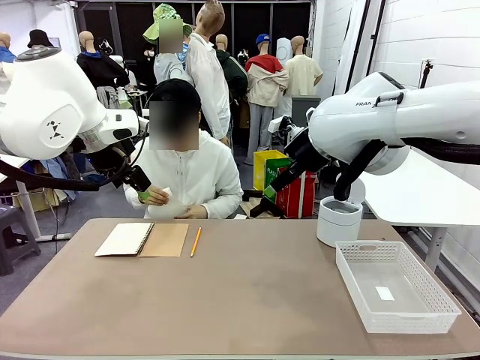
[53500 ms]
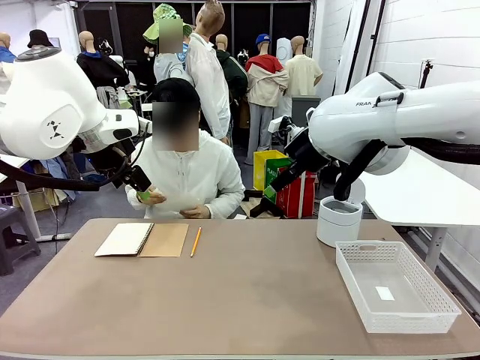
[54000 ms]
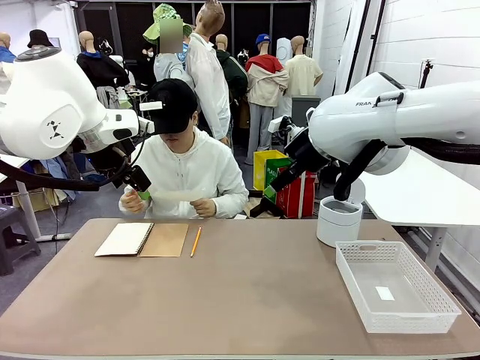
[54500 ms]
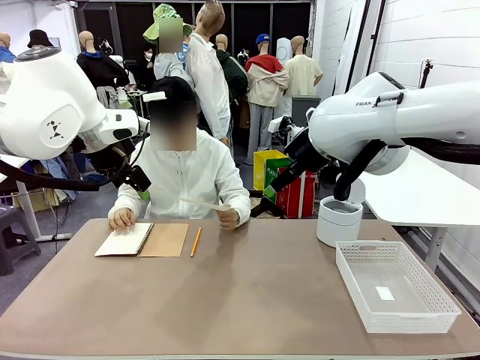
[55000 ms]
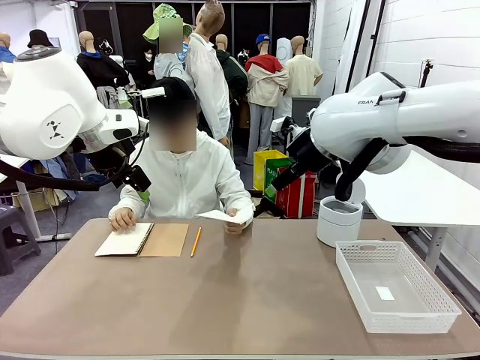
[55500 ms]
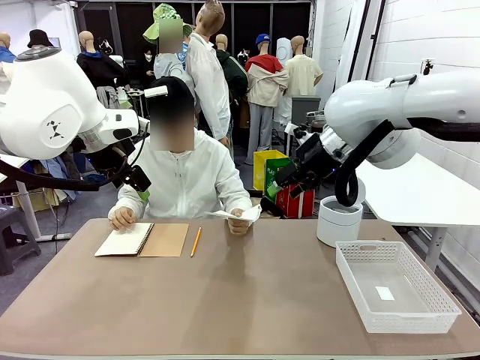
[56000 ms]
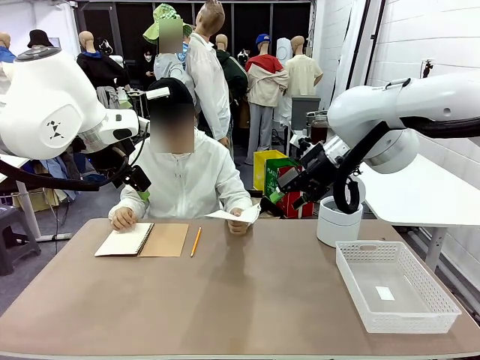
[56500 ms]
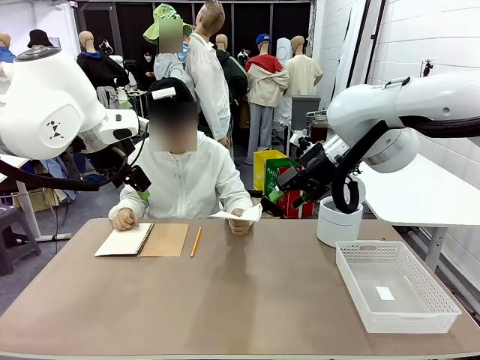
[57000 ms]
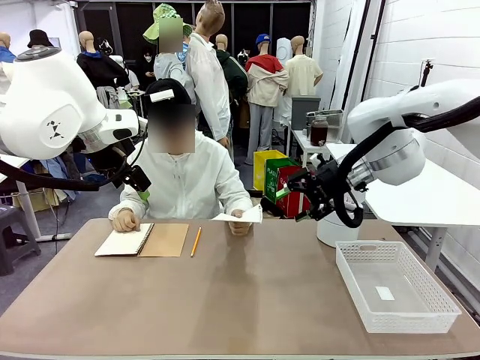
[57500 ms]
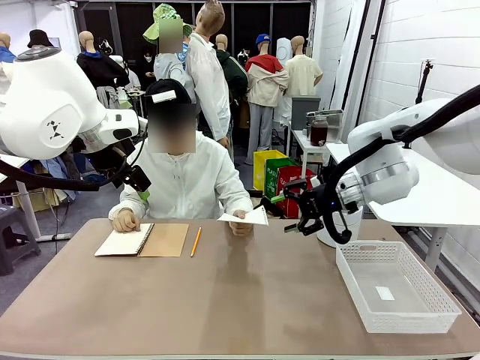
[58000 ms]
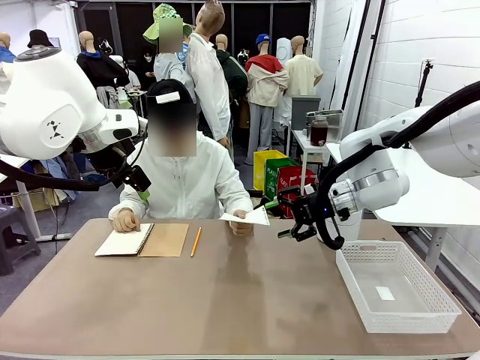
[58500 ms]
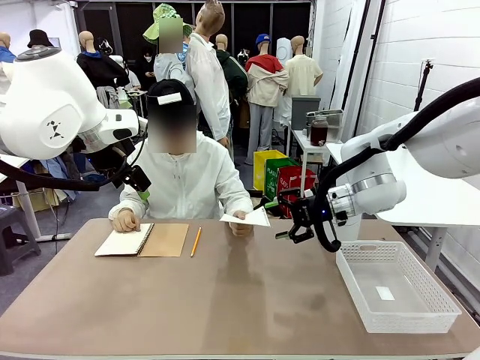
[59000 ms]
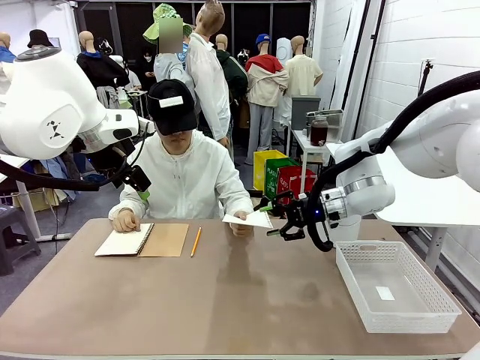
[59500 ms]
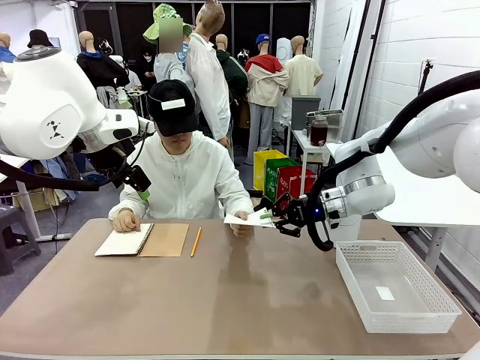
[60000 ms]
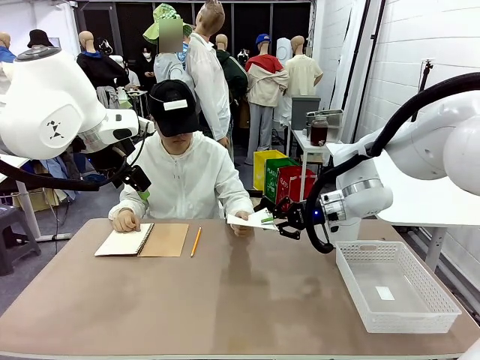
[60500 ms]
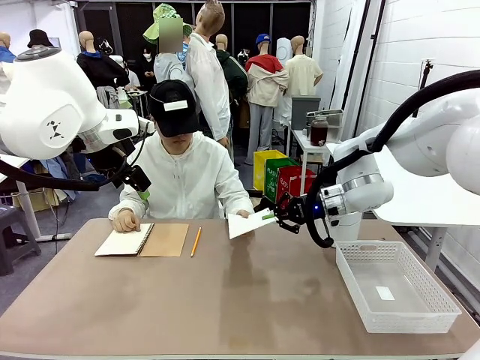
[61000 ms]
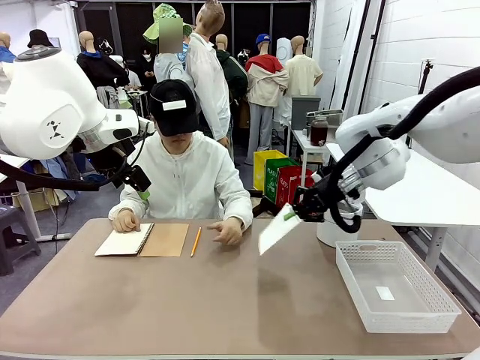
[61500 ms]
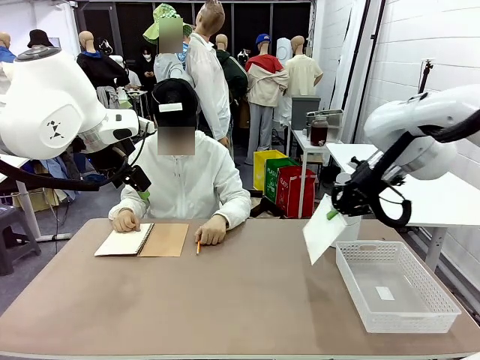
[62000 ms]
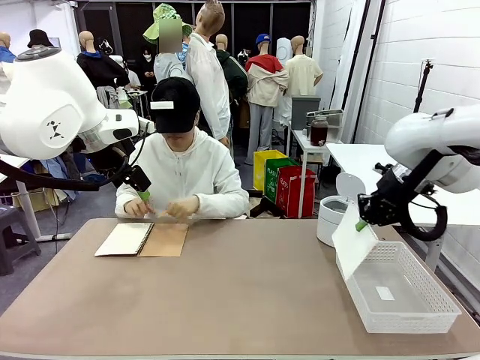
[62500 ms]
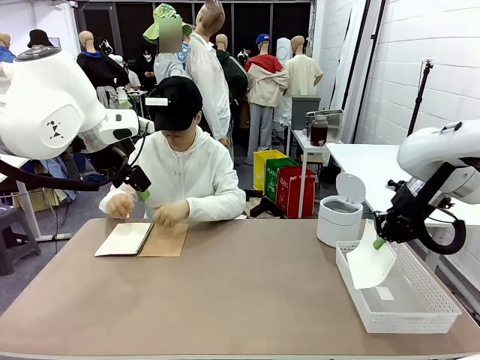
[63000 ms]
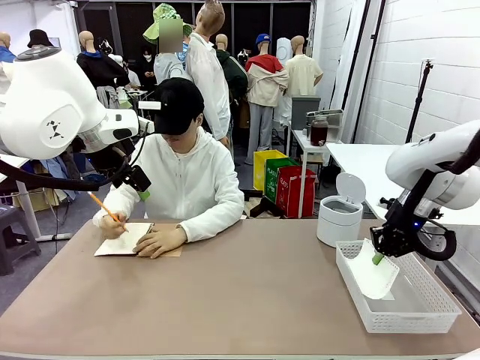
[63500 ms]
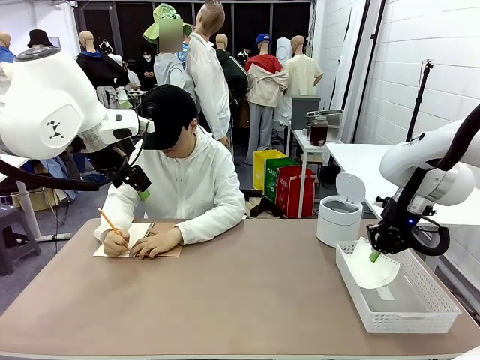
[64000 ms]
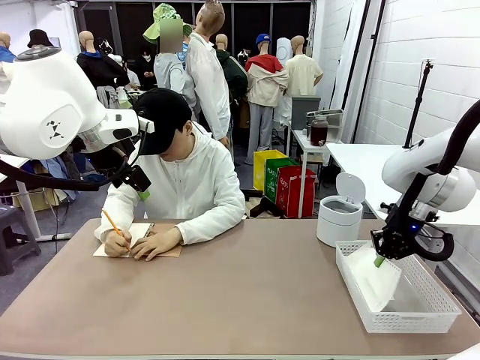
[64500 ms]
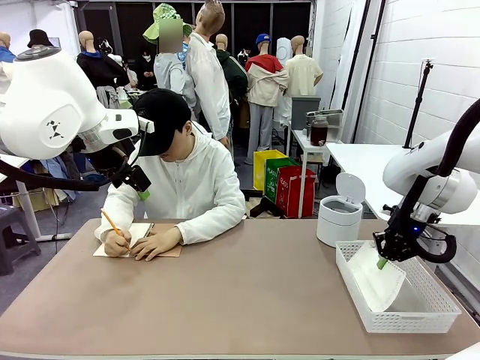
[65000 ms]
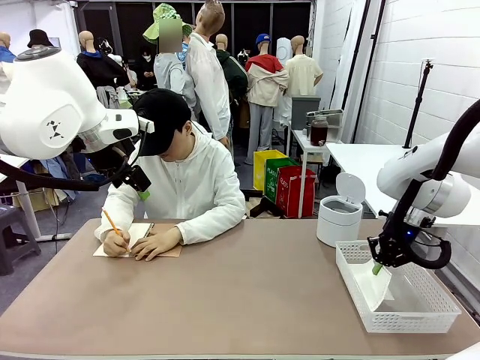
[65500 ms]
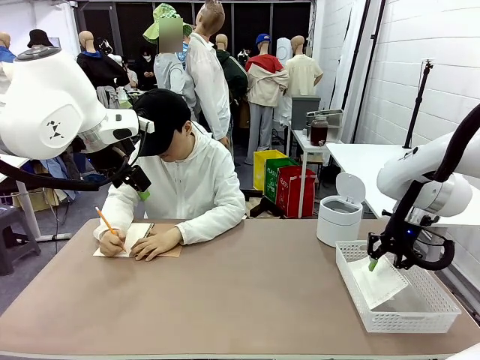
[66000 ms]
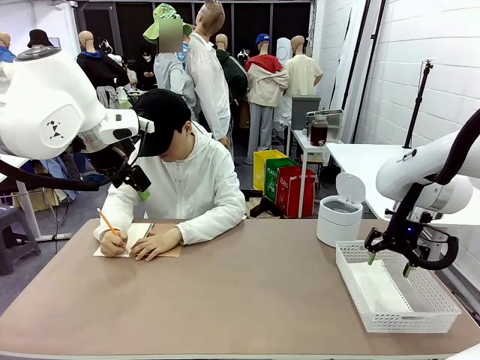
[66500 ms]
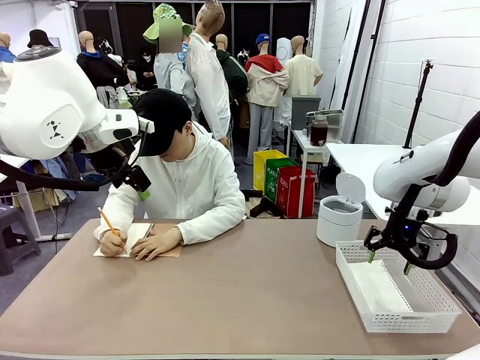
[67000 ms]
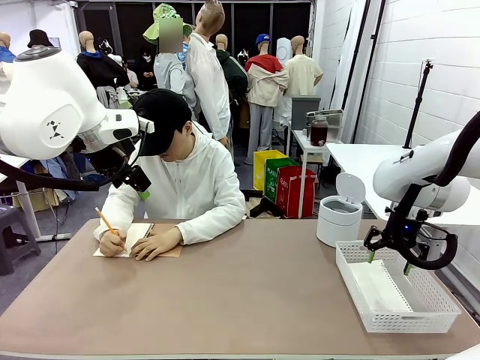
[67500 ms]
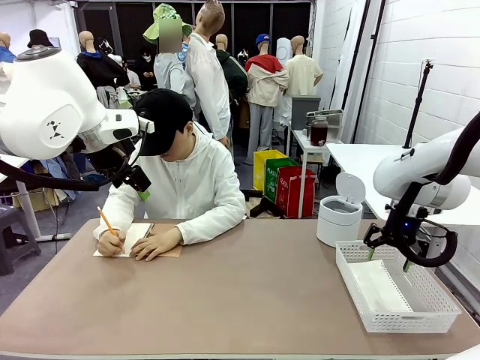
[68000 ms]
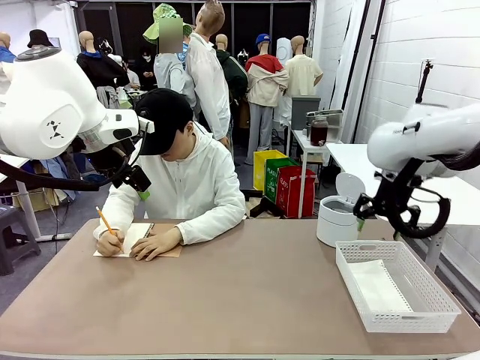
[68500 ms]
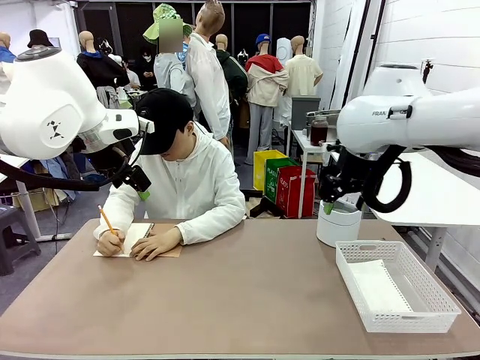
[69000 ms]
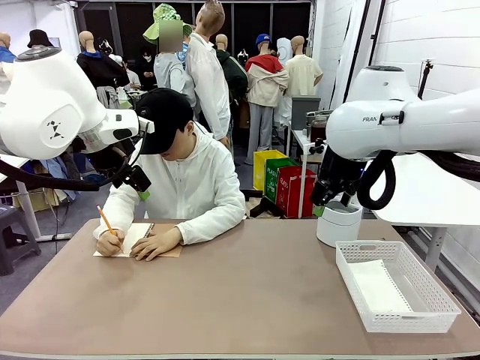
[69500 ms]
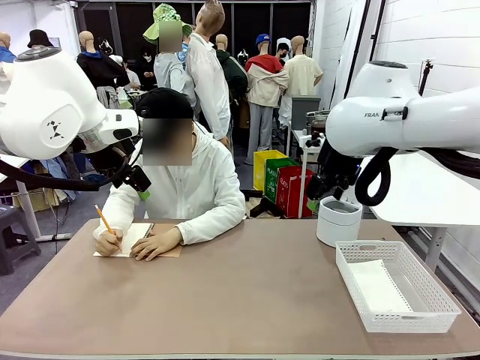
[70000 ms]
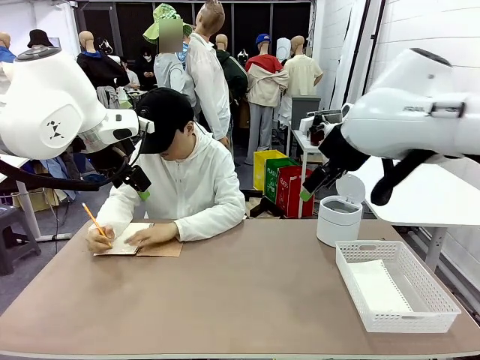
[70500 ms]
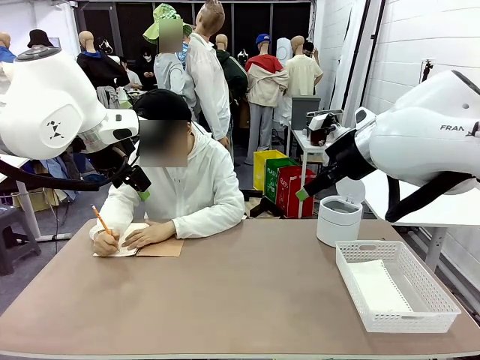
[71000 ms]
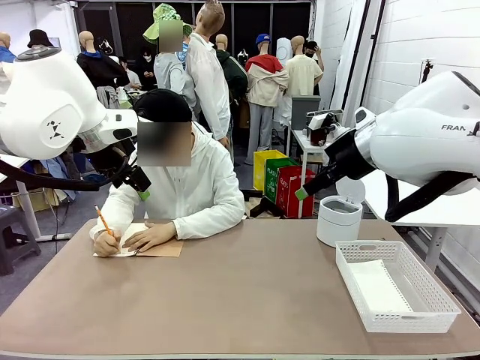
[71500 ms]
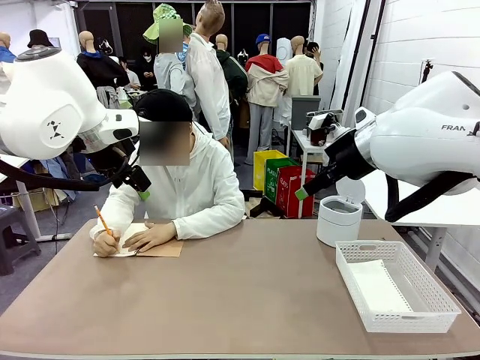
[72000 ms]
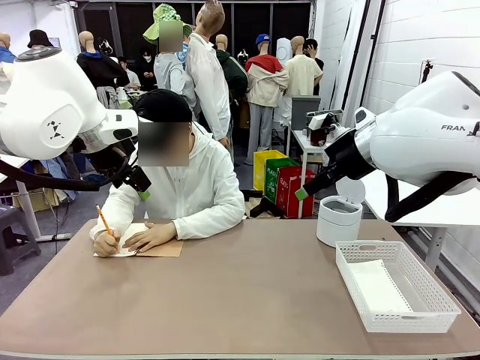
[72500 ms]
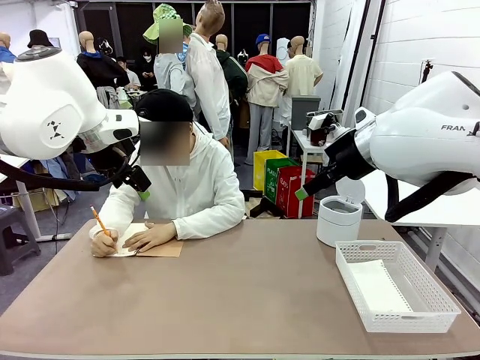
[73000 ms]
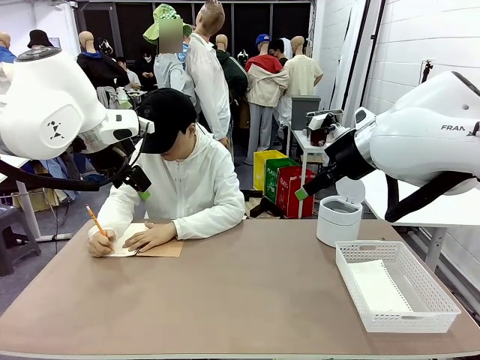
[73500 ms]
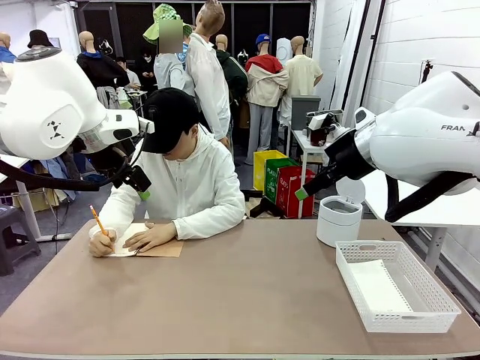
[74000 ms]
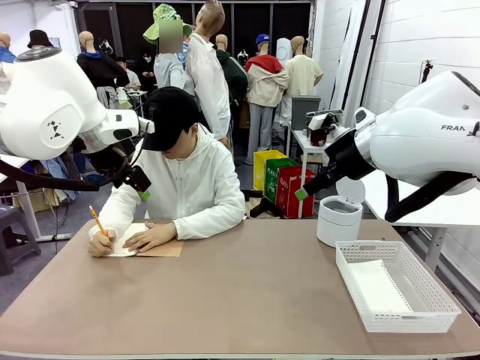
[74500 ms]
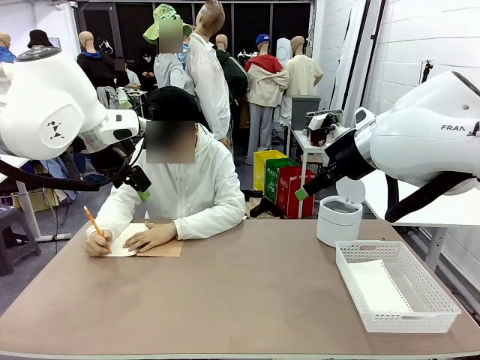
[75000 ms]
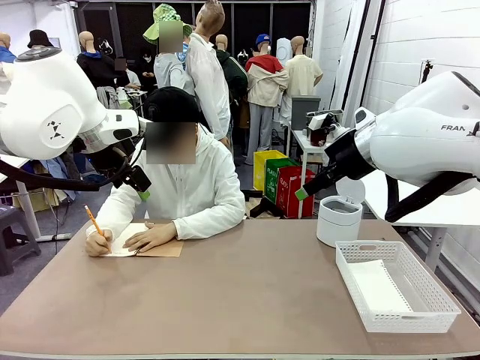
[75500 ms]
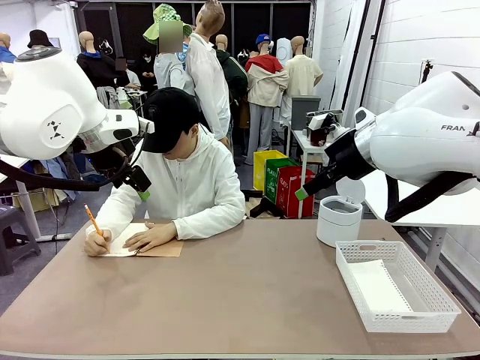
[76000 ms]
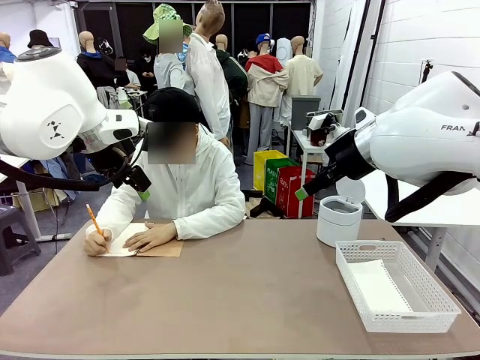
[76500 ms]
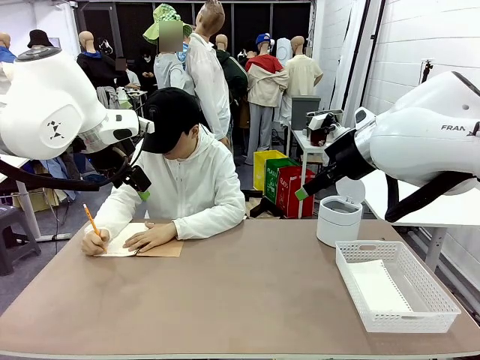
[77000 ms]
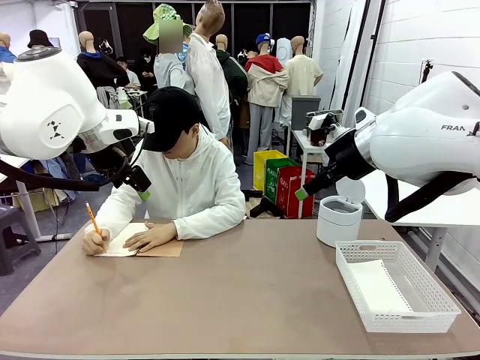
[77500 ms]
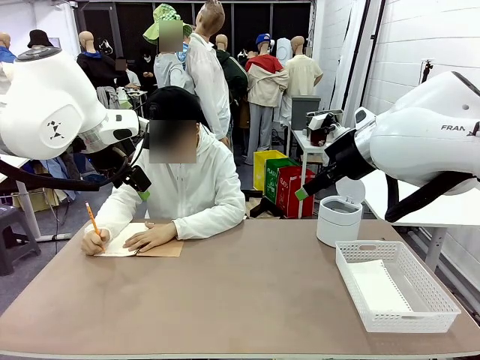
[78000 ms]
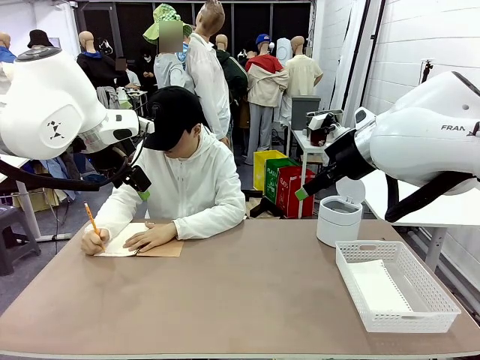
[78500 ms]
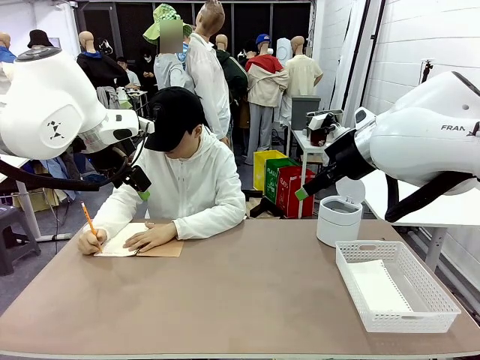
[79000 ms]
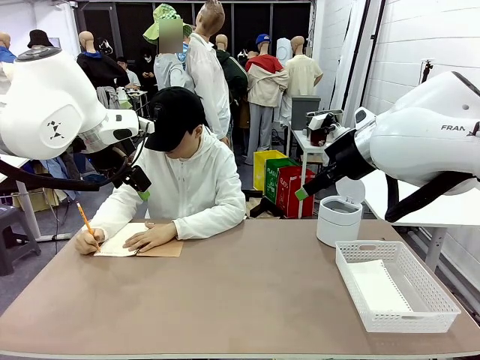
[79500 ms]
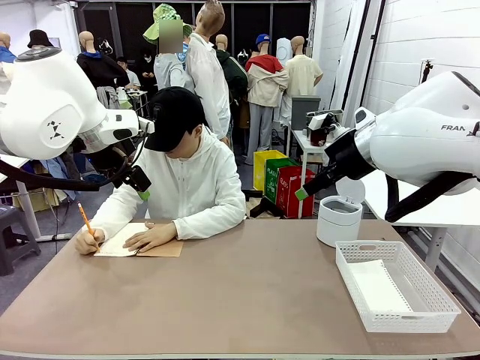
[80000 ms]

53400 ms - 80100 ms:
Task: Sort the paper based on its condition.
Robot: If a person hands you a paper, place it in the Organizing basket , and if it's crumpled, put it in the Trash can.
Person: Hand the torn page to the robot or crumple it and throw it to the center of the table. Tear out a page from the spiral notebook.
